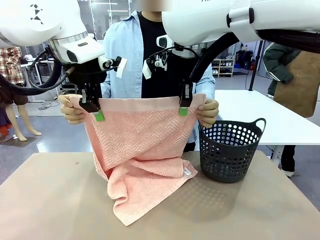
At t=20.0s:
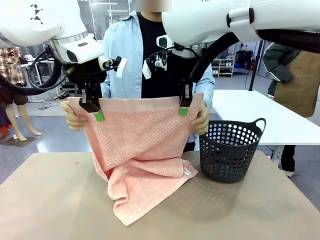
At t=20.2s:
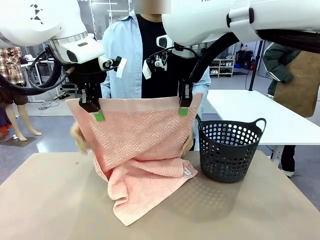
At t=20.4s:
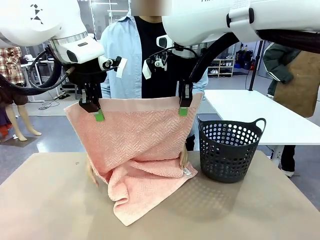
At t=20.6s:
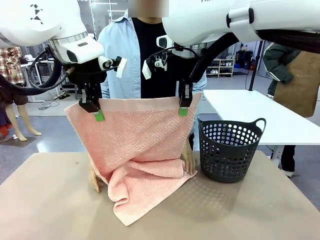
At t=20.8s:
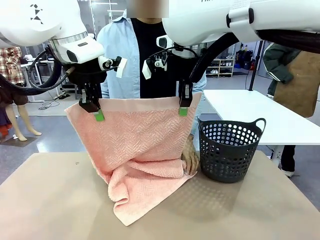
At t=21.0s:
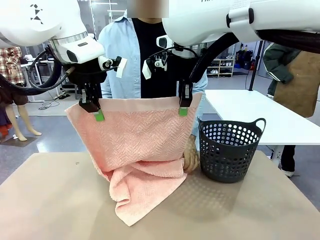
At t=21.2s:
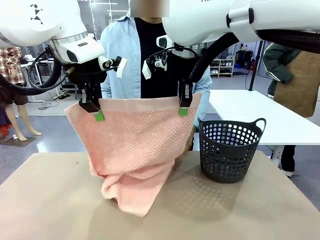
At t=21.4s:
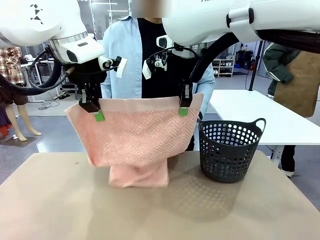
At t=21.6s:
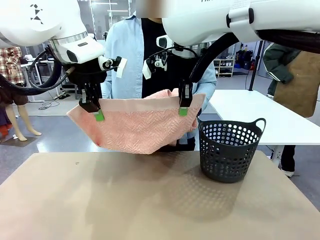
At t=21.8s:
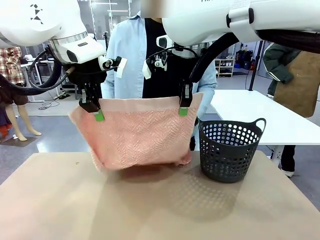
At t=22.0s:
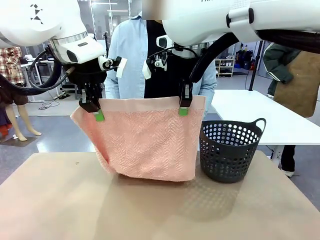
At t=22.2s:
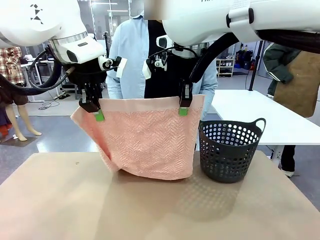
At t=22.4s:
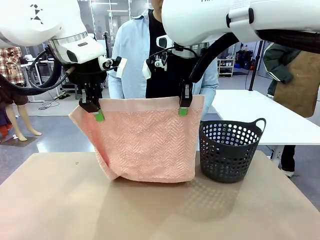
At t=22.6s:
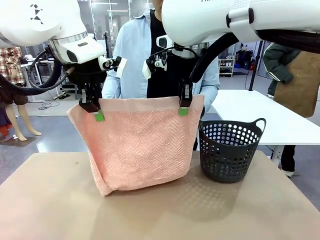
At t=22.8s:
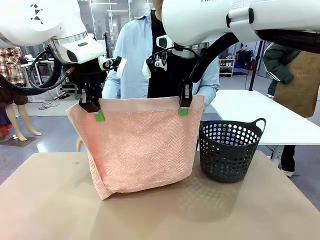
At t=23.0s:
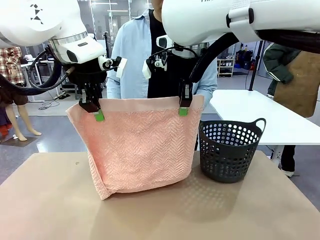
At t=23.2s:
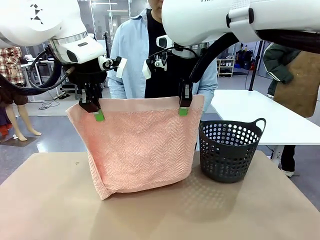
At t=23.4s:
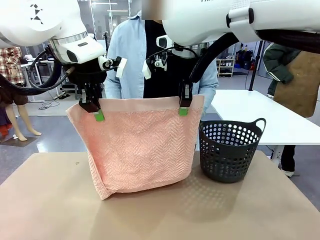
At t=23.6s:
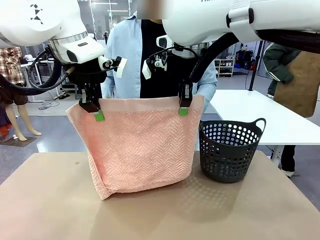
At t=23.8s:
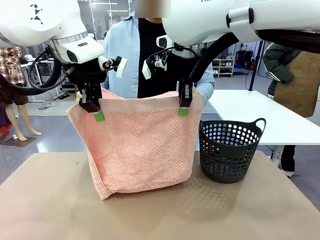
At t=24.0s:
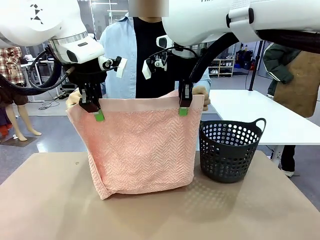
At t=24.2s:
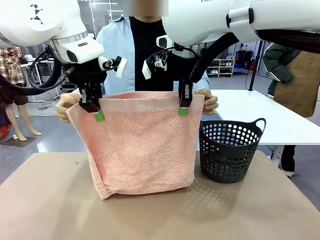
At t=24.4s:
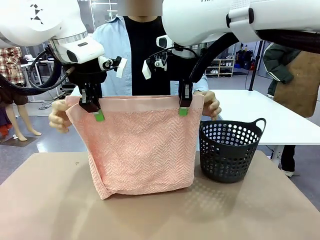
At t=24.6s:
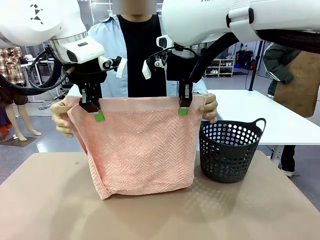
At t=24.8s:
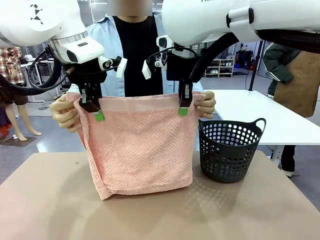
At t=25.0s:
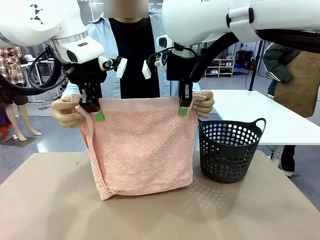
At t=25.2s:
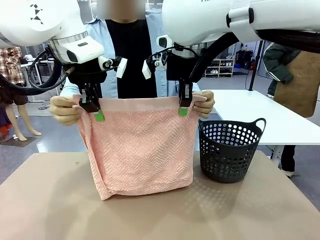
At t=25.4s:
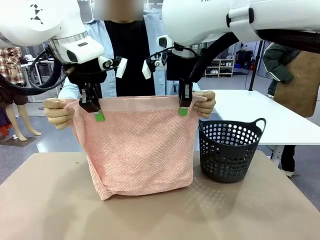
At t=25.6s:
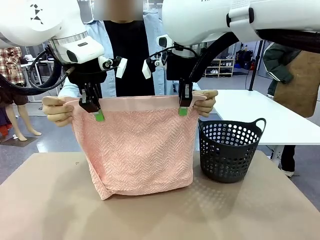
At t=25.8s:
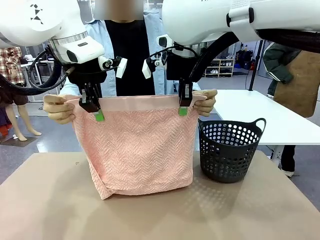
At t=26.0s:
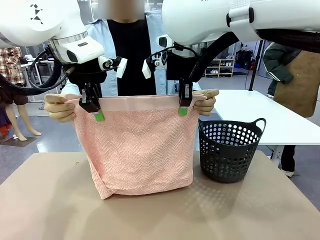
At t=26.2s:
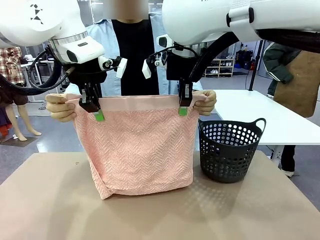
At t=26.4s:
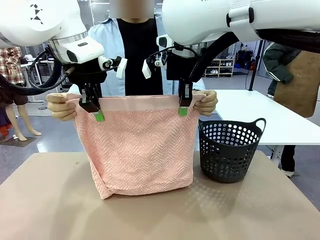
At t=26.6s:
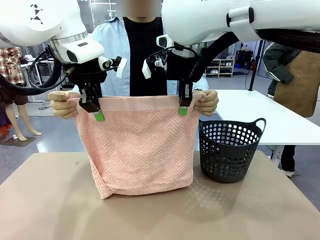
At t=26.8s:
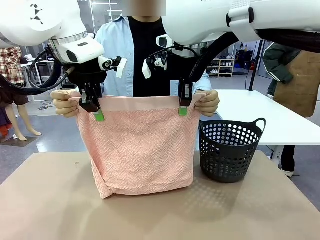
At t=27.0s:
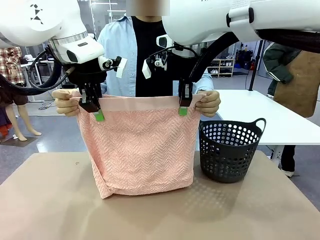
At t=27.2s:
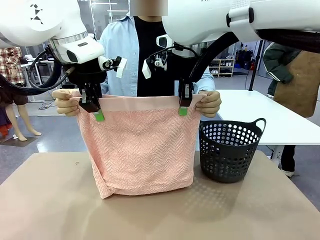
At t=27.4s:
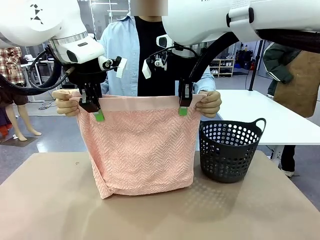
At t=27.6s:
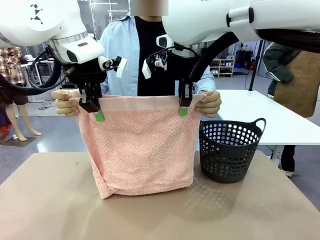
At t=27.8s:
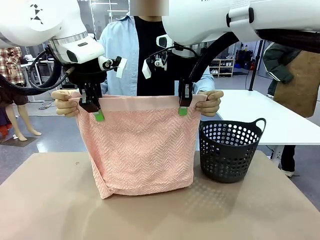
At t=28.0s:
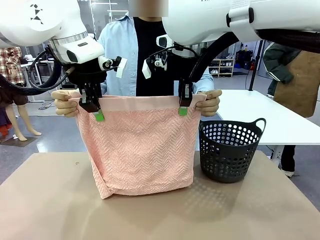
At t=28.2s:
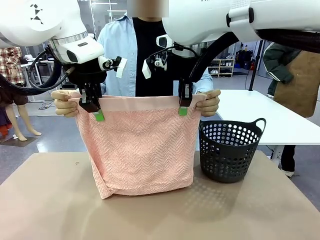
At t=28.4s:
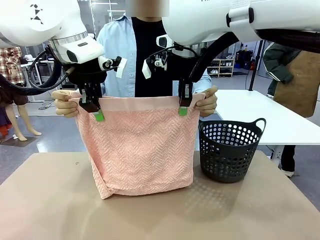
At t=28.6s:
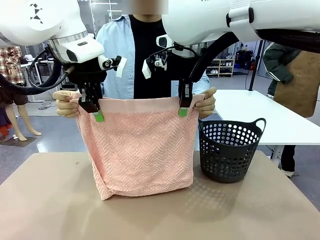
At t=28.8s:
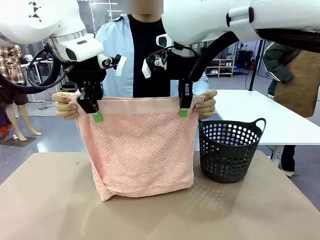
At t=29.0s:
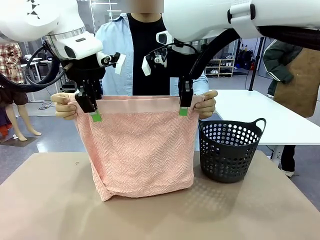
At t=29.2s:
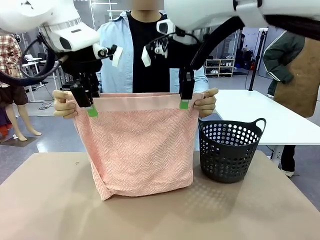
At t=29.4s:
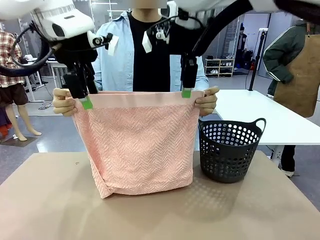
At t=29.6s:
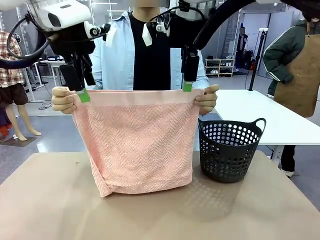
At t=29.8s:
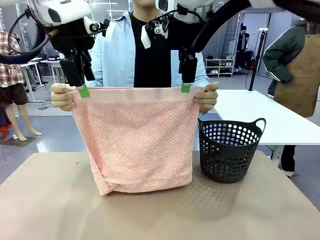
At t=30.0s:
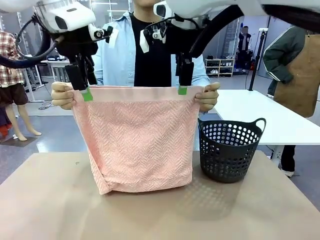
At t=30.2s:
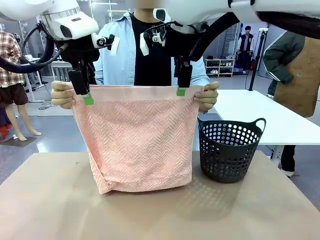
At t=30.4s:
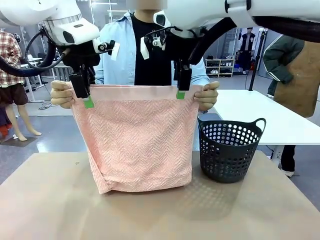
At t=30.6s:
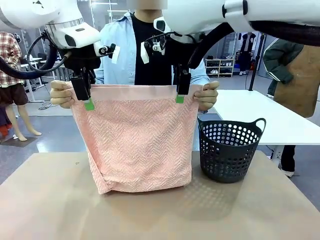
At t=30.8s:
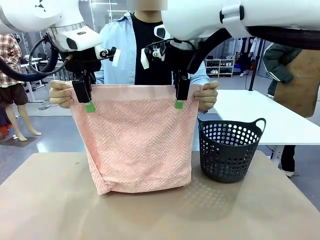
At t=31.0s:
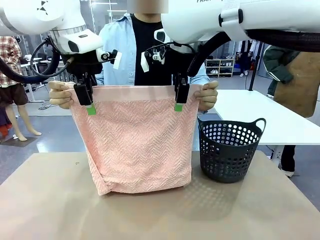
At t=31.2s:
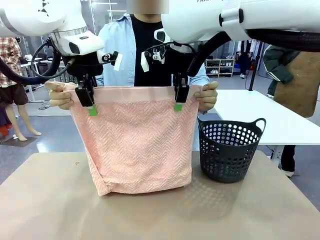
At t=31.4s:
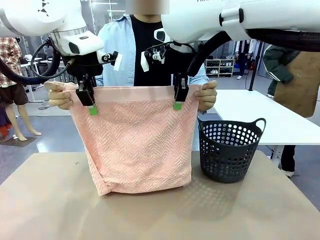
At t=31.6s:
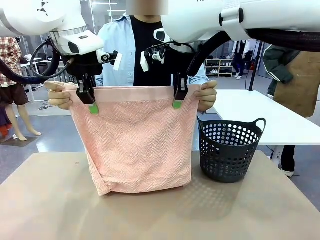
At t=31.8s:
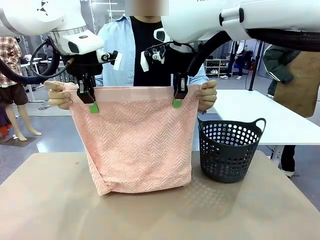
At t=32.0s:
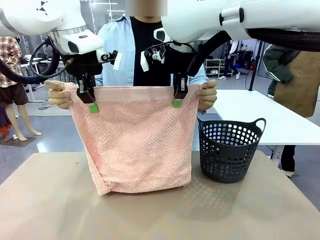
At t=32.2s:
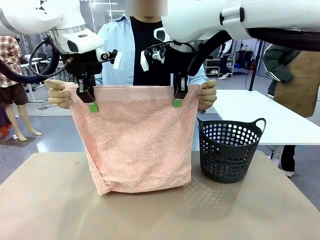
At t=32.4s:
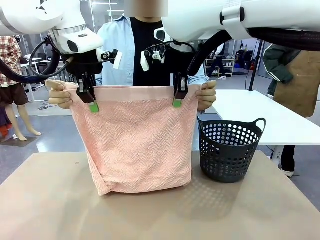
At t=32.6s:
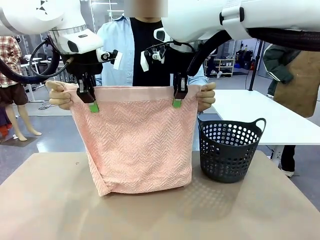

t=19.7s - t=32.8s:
Task: Fold the towel.
Robot: Release the end of the 100 cm Hotel Towel you were holding and grab the top end of the folded side.

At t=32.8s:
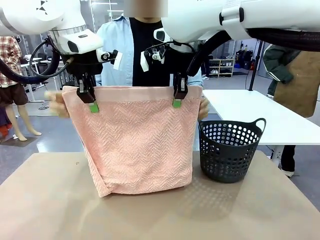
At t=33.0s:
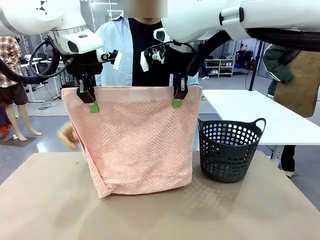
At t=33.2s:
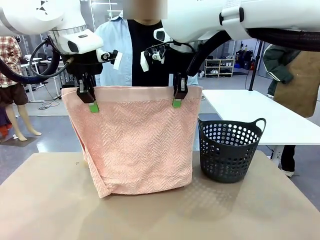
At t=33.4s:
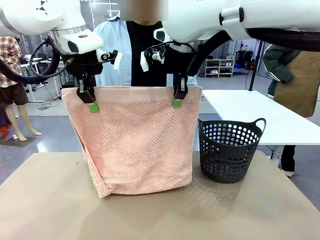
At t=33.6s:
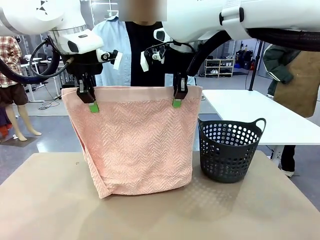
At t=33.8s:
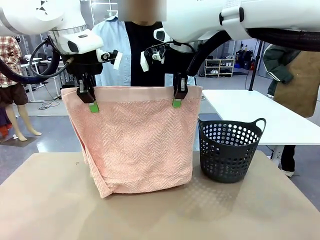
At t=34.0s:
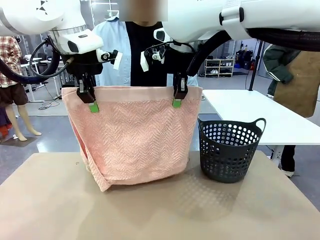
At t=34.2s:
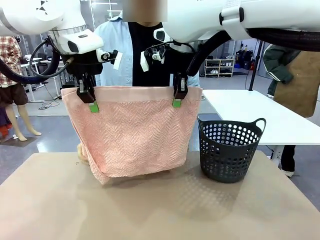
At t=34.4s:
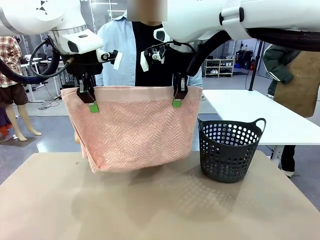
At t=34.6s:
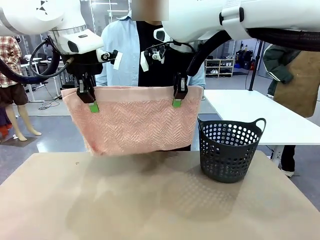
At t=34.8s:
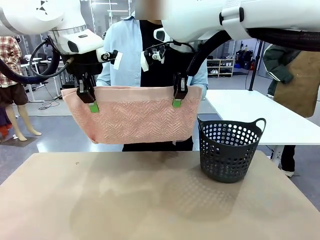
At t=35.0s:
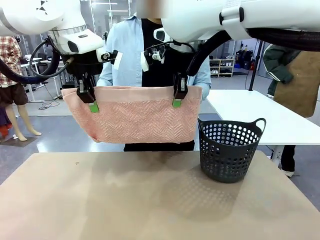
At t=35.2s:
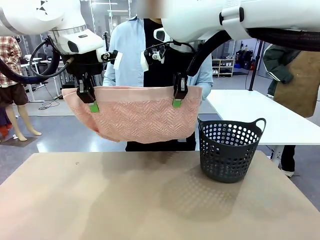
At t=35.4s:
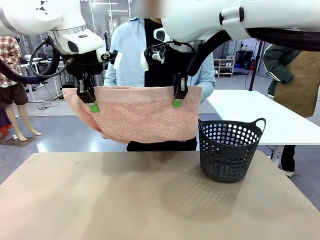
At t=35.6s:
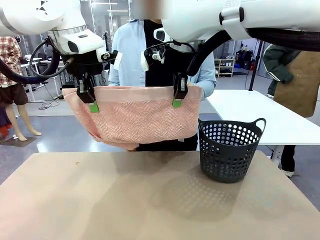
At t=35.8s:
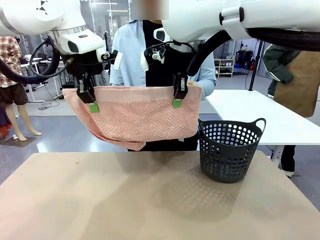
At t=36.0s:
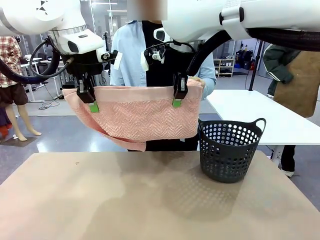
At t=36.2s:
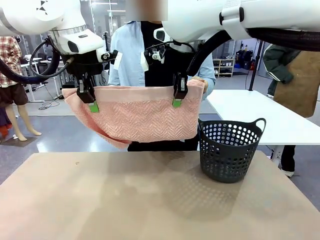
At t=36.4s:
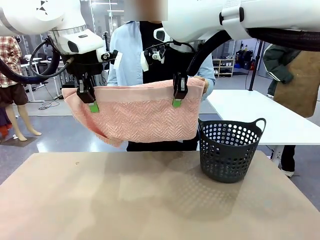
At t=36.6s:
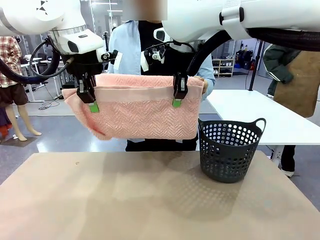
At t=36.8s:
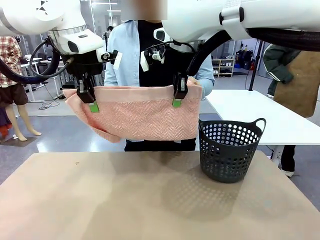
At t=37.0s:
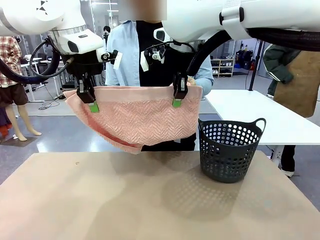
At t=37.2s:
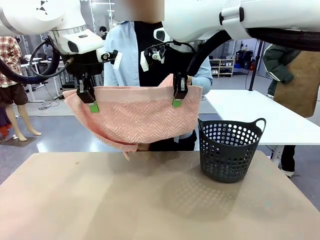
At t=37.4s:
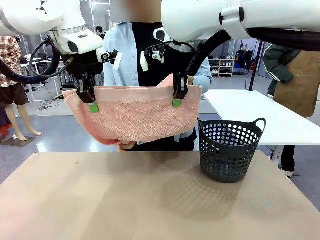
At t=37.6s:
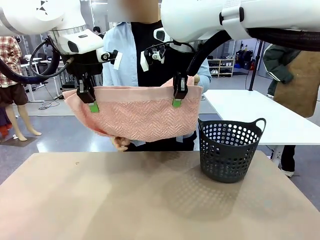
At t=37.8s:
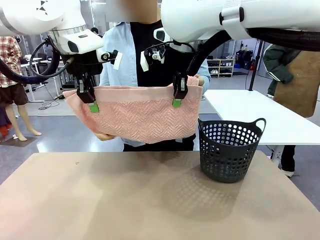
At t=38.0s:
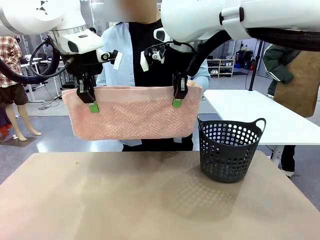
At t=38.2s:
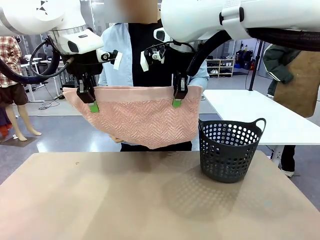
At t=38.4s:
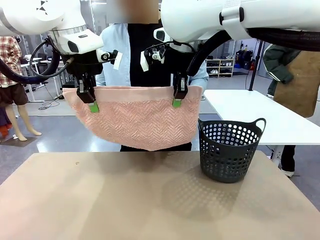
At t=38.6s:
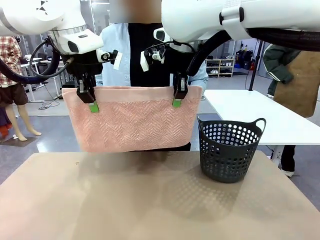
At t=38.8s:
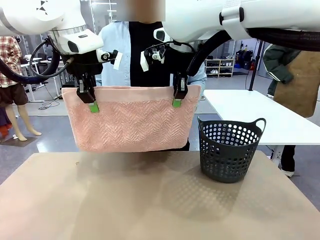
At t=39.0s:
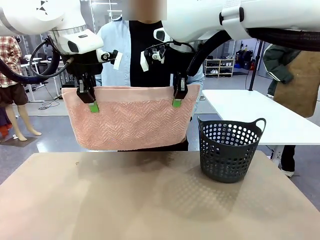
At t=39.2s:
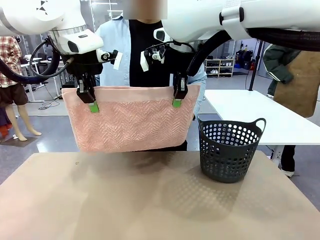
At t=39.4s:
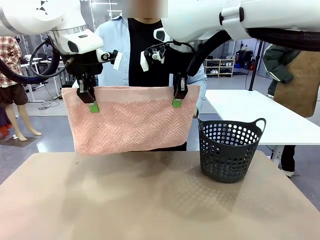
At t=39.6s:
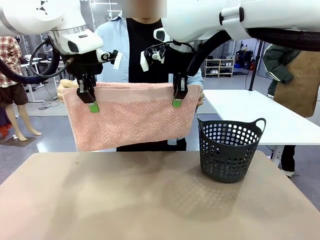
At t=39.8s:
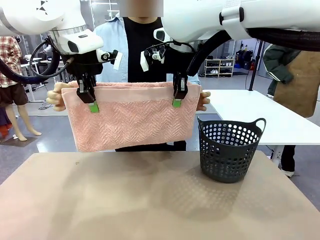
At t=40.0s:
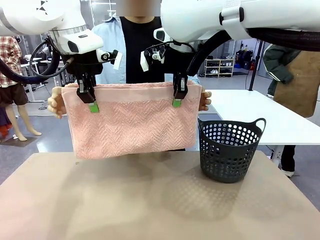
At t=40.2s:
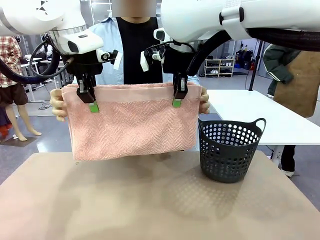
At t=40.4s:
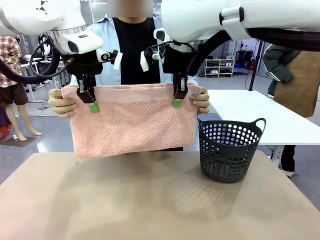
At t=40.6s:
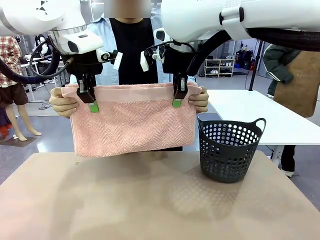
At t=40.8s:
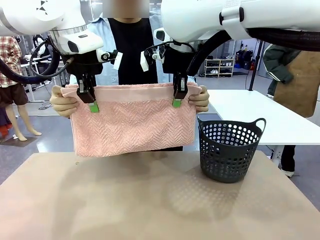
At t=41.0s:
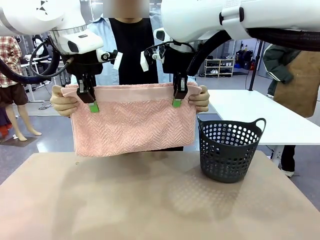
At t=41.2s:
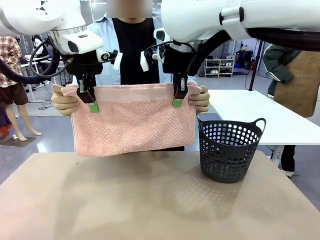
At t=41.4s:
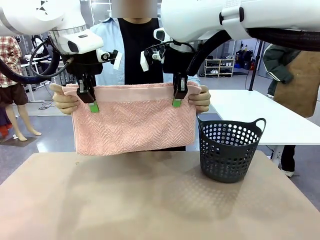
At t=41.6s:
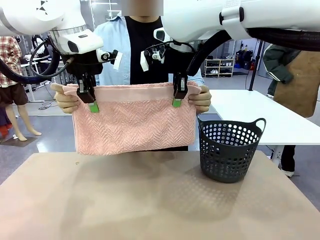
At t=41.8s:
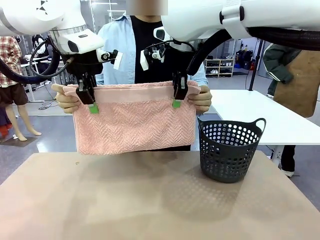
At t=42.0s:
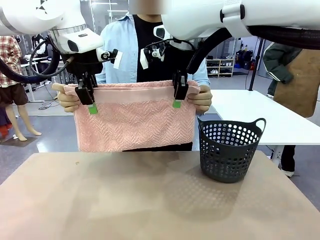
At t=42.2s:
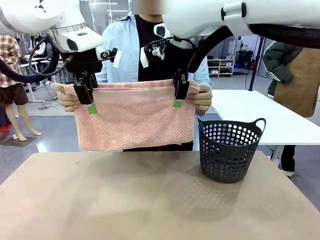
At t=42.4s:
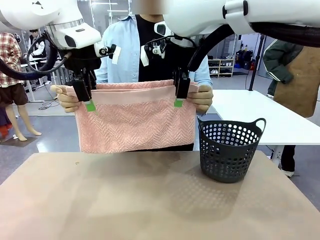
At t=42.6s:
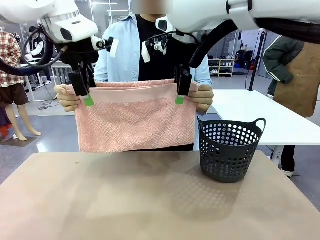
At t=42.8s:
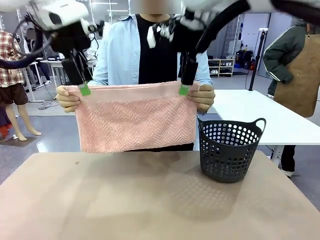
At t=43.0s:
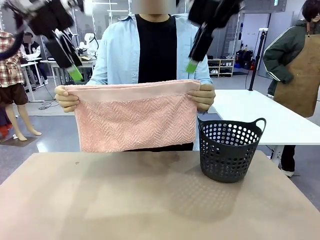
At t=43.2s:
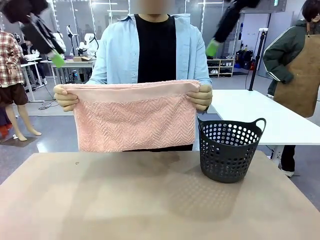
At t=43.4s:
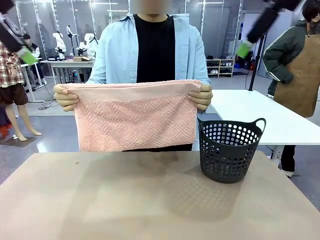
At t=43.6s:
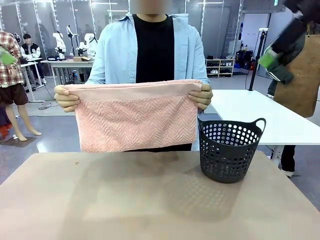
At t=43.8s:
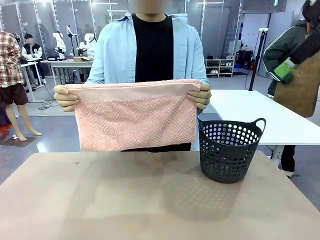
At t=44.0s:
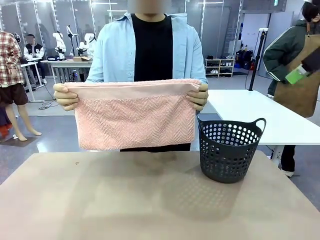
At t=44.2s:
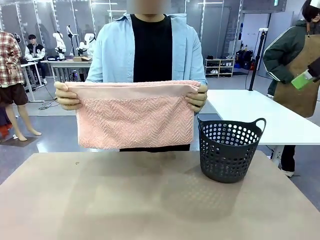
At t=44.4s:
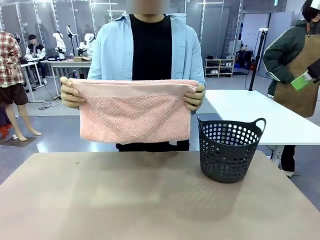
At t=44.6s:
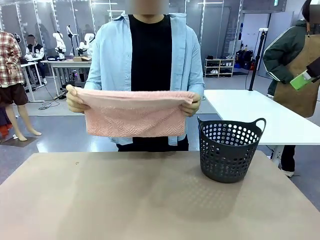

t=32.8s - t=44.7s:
Robot: Release the end of the 100 cm Hotel Towel you were holding.
